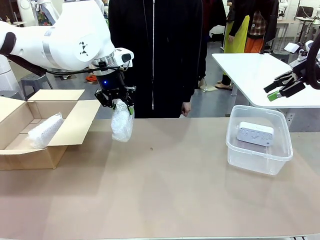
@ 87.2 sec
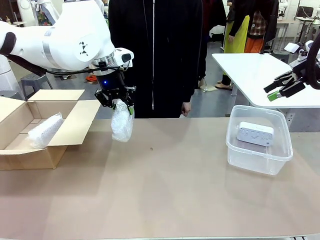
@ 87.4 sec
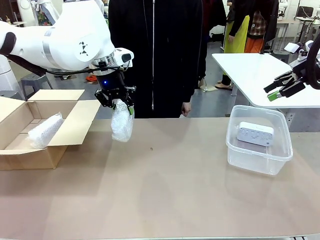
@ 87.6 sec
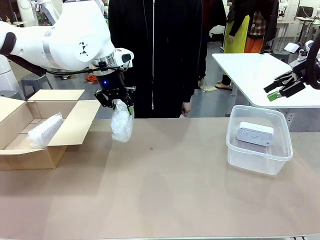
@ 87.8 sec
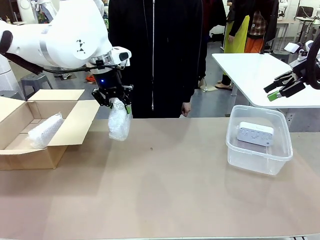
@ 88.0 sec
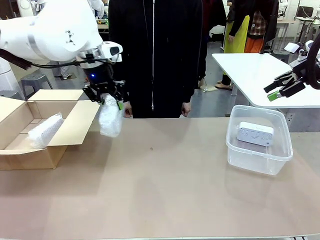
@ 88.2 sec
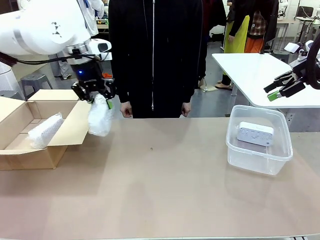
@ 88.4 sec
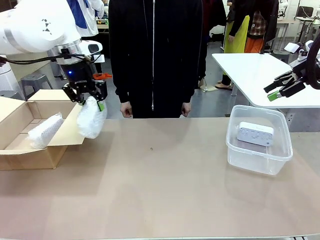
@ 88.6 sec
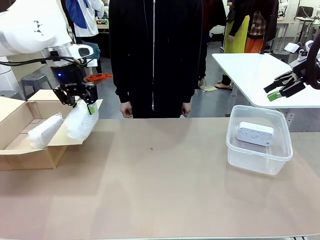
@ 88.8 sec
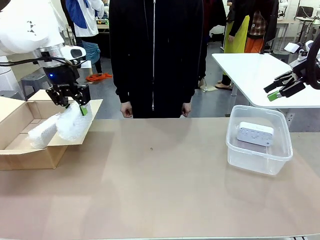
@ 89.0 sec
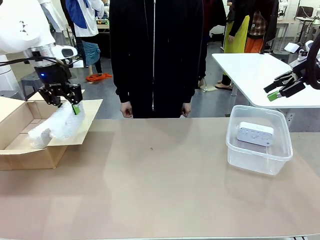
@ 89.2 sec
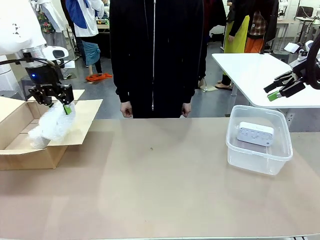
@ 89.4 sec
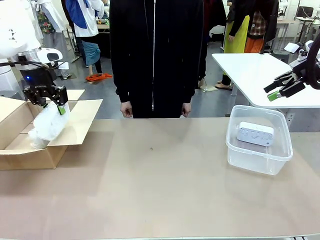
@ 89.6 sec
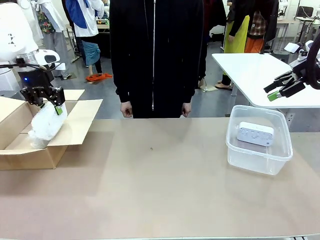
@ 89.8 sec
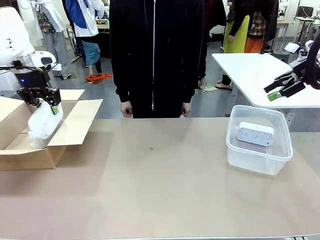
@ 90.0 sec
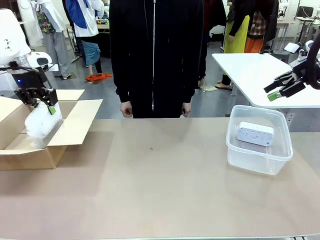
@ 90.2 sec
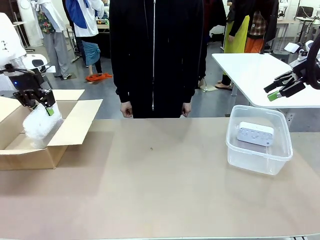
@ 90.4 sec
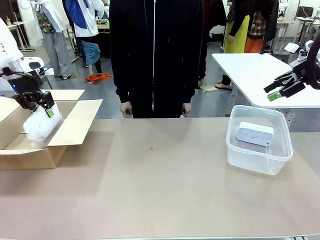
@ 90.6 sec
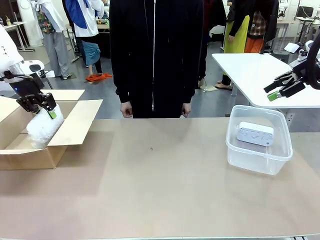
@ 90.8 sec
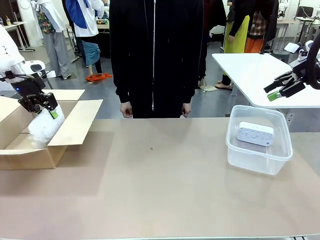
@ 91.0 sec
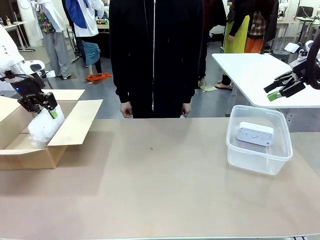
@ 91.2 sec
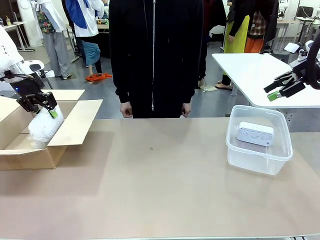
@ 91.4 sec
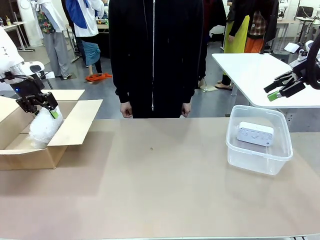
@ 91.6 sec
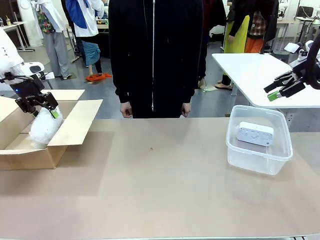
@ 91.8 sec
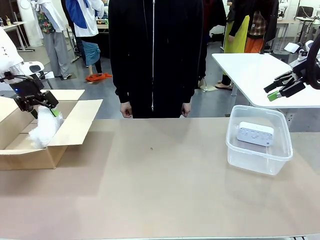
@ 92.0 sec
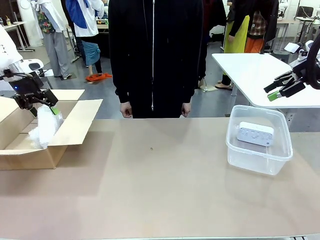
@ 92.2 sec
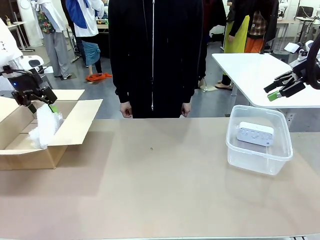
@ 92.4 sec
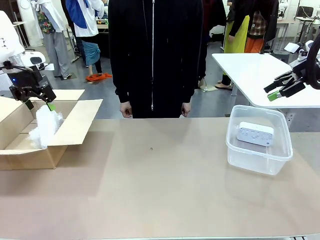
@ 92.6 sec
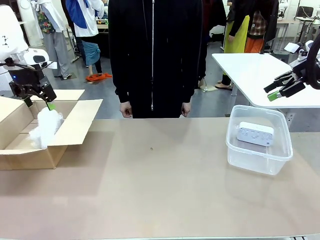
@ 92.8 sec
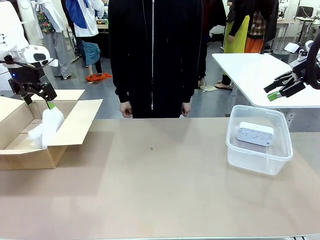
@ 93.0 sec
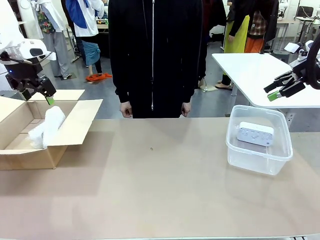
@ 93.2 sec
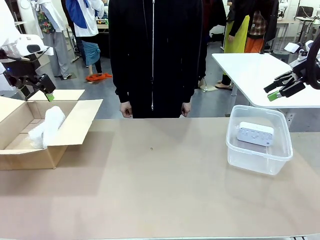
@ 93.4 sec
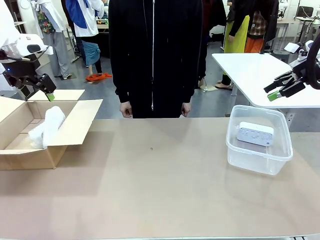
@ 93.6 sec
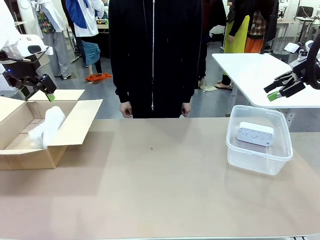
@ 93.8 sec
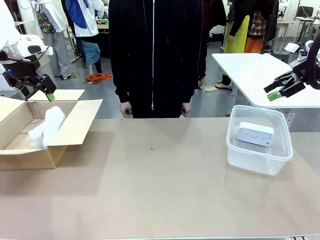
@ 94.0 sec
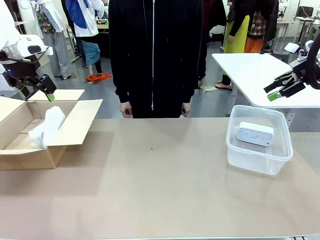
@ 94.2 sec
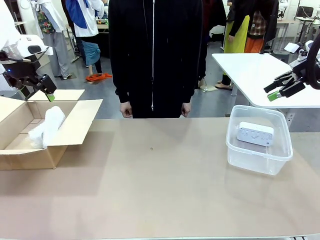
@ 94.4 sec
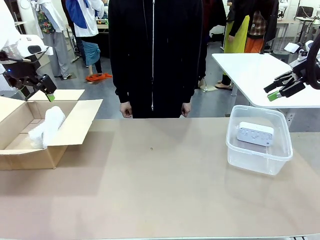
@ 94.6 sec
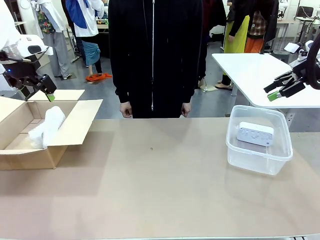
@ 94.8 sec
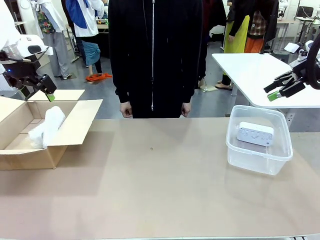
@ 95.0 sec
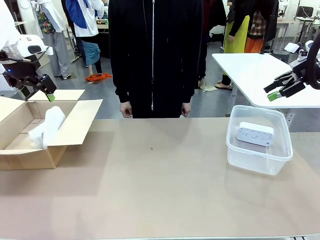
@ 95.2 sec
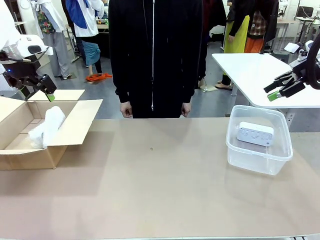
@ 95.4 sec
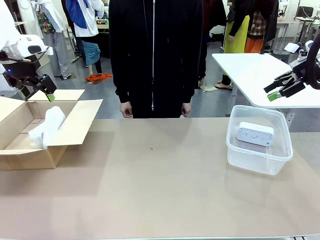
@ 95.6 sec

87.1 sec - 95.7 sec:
Task: Separate and place wrapped and unwrapped clocks.
Robot: If the picked Digital clock is wrapped, place it in the Package Box ; if not, place it in the Organizing box.

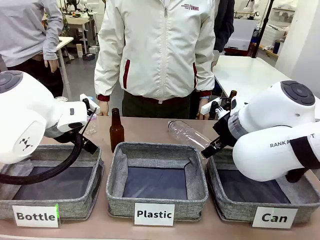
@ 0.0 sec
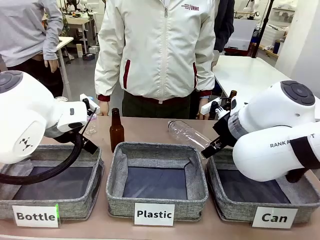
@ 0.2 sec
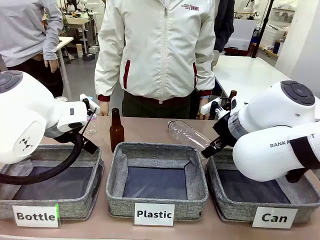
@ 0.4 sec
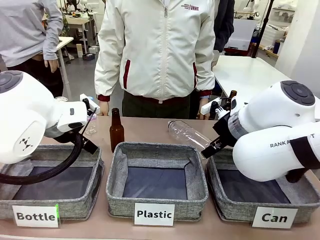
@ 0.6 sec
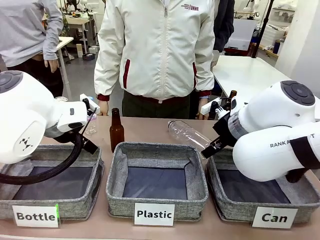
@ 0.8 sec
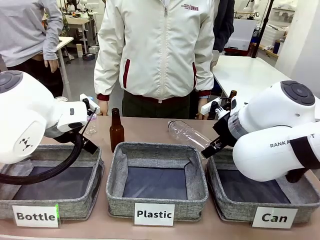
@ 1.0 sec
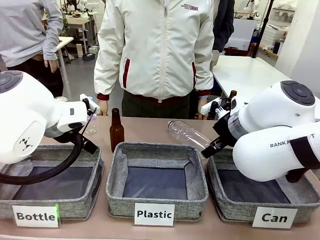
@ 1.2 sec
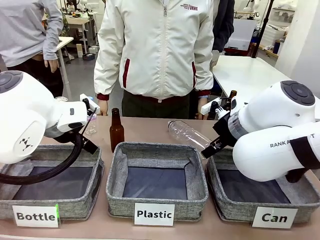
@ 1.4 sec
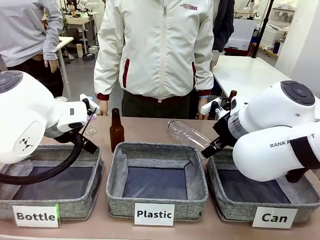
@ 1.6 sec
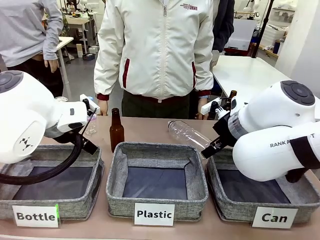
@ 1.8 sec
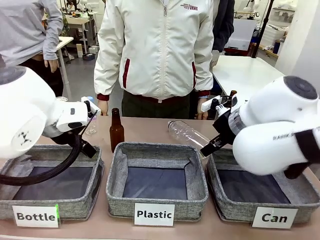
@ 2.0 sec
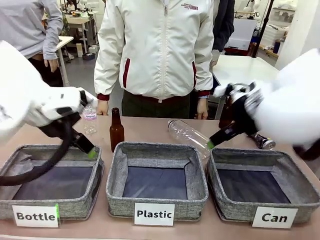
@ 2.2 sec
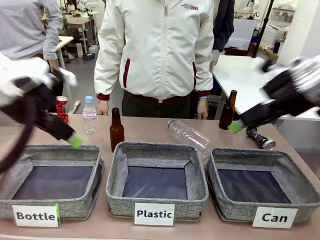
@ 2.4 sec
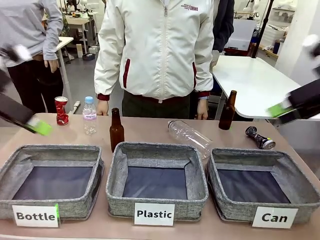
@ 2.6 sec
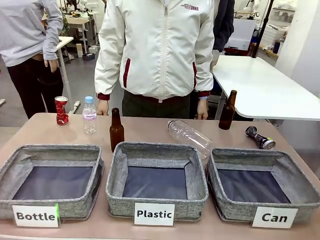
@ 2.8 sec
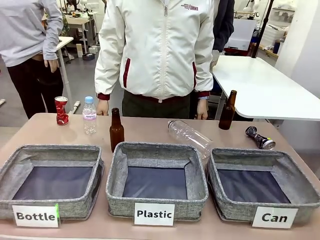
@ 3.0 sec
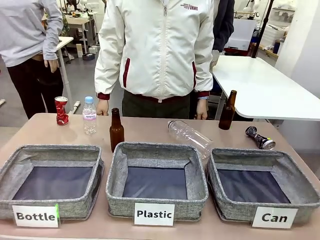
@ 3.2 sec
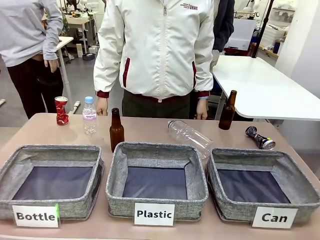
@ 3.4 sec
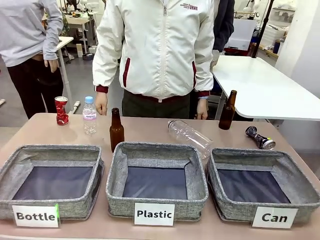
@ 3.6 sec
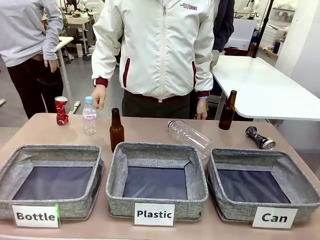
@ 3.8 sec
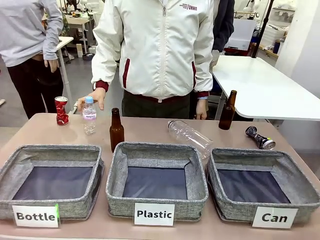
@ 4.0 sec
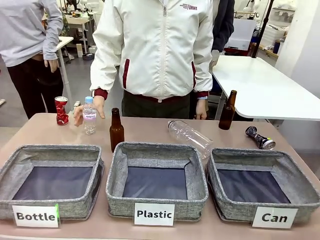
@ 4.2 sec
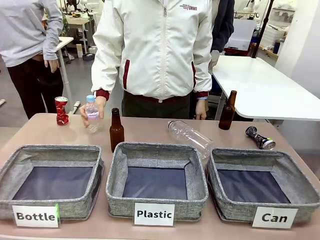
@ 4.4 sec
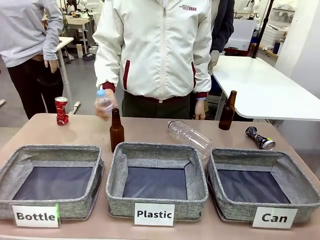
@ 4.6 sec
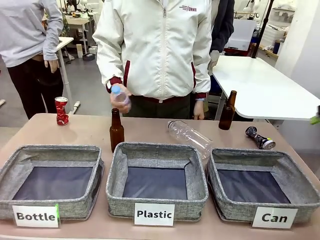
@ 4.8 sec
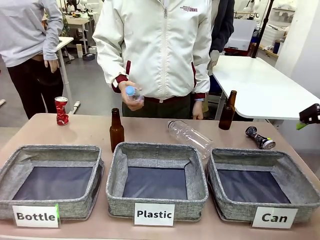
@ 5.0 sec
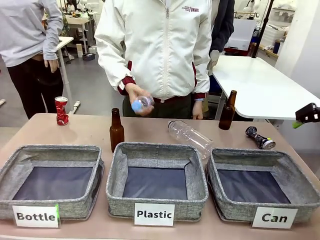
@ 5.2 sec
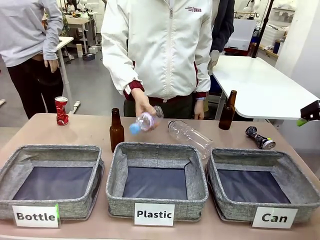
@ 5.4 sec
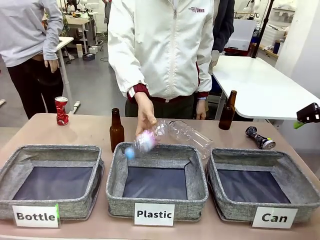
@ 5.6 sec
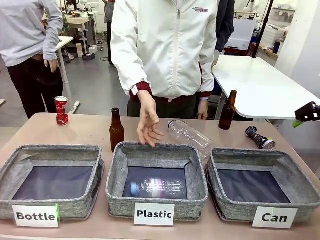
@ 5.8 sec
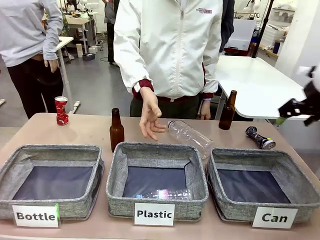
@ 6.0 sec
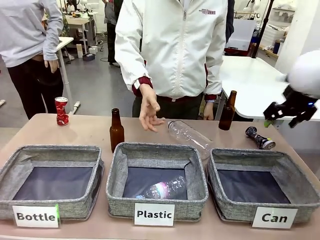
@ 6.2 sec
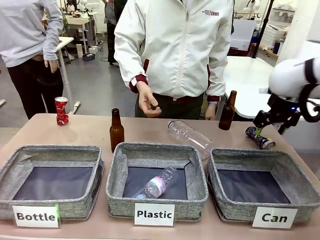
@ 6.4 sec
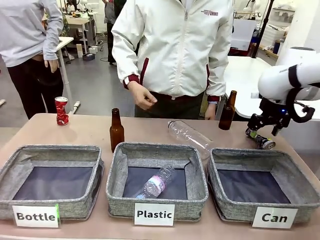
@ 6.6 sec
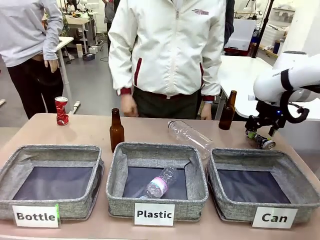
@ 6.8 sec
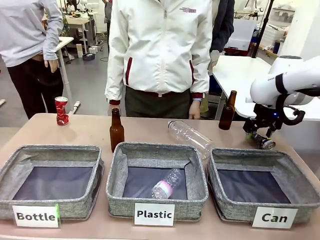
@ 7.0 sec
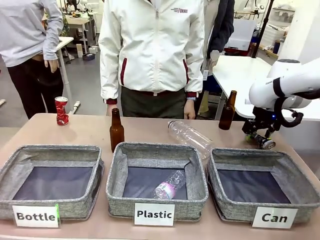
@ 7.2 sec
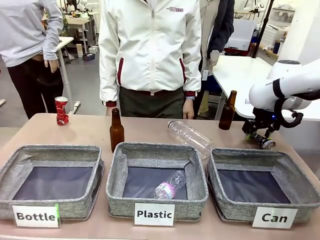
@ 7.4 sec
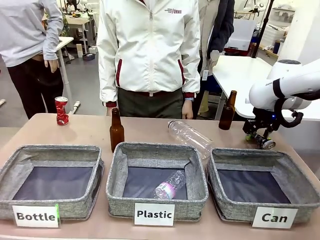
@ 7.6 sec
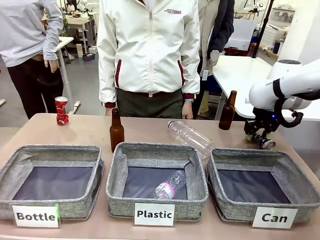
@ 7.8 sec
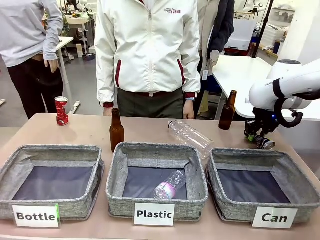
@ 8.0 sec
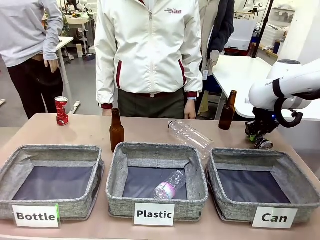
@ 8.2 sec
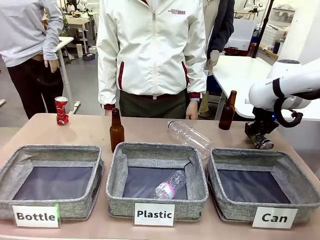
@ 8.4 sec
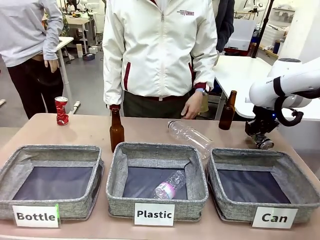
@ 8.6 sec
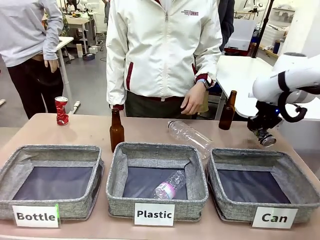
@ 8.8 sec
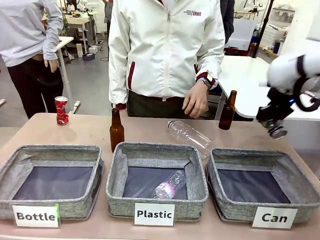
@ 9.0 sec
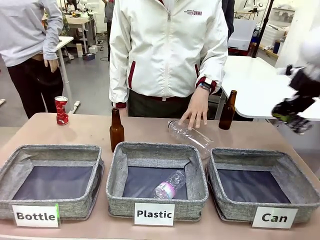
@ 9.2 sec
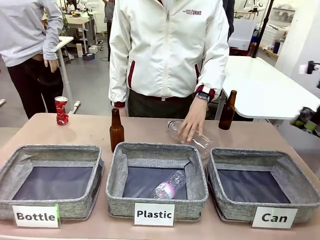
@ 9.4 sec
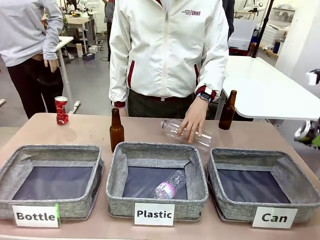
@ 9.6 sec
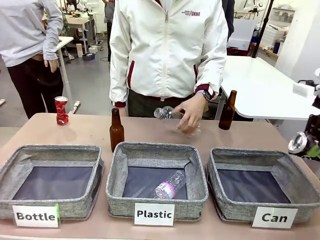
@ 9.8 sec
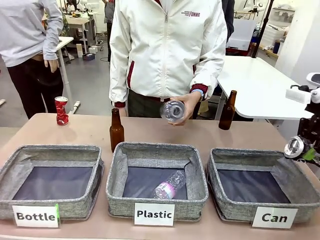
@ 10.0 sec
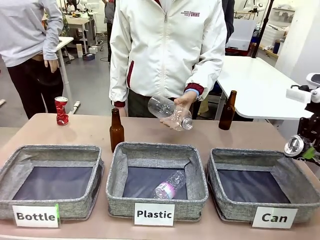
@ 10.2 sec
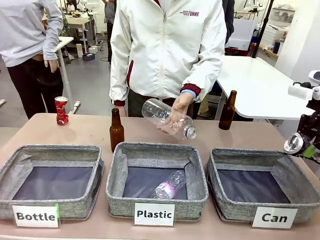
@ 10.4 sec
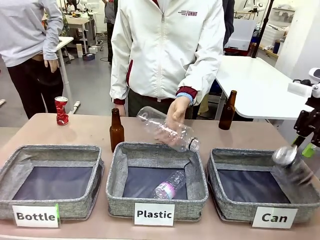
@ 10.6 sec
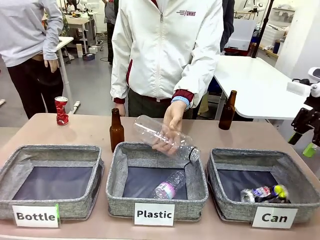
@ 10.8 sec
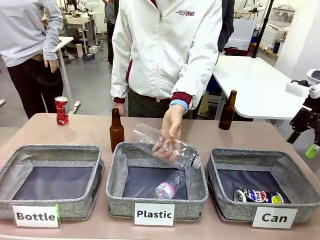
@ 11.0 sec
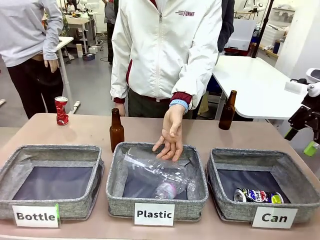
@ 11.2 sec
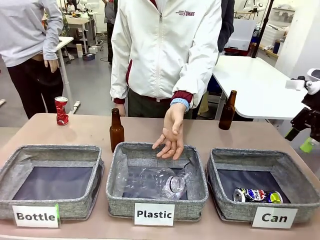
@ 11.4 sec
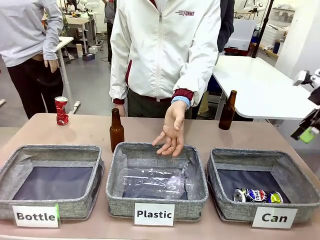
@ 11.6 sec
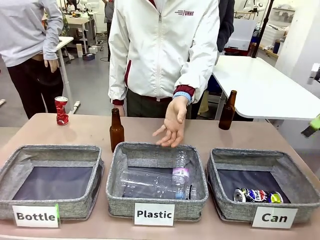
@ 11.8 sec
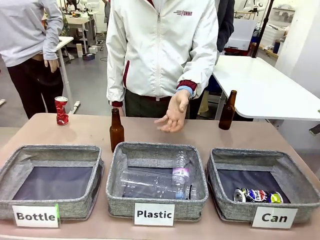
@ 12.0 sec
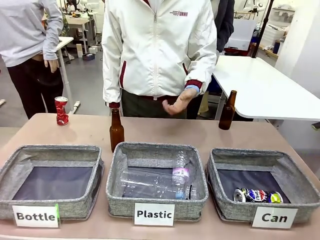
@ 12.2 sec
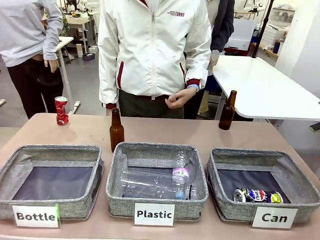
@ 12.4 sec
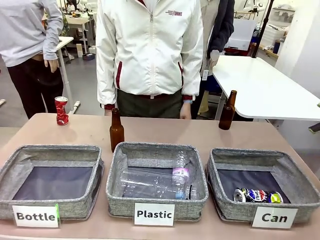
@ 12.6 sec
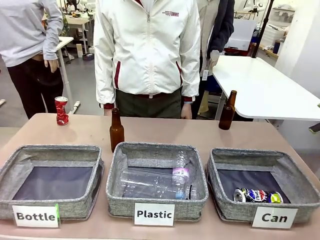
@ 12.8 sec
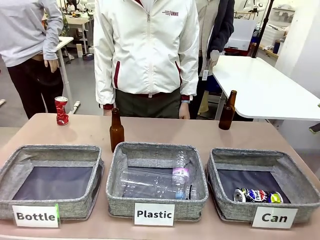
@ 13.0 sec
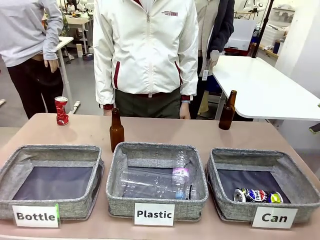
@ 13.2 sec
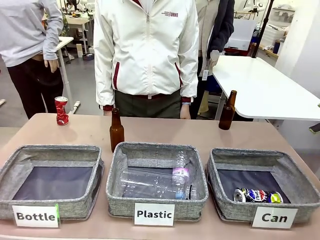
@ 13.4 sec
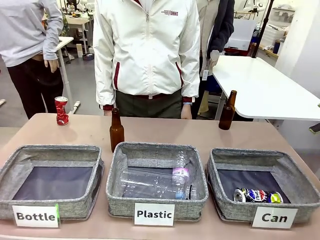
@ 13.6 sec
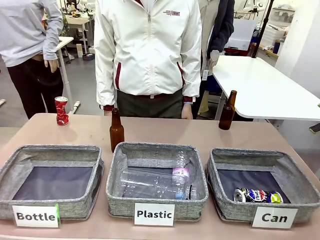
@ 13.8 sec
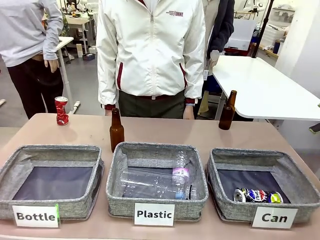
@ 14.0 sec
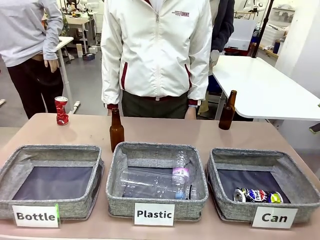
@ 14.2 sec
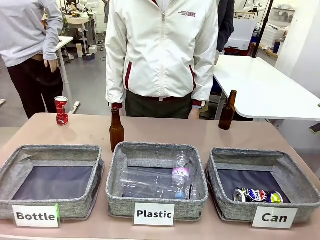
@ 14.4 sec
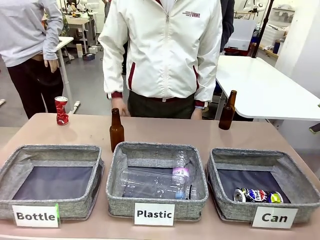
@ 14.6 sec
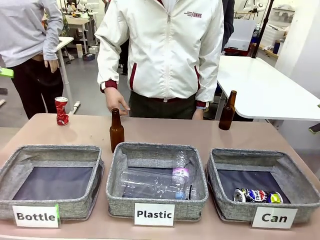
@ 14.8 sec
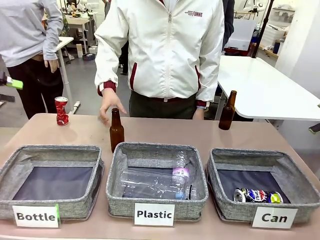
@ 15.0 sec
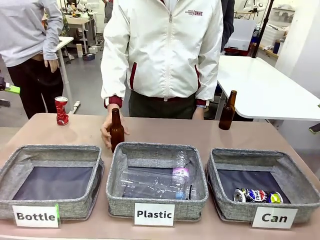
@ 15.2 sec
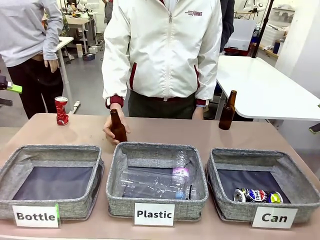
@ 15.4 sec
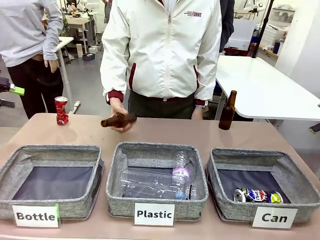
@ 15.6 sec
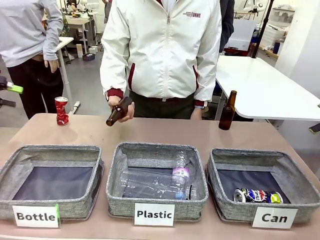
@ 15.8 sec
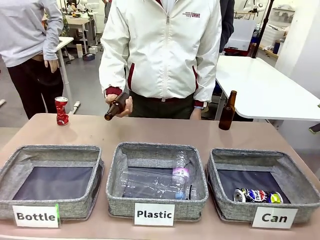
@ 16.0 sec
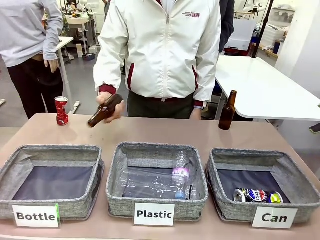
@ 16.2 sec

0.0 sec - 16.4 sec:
Task: Sort the can waste into the basket.
Robot: Pick up the can waste from the table and place it in the right Fabric basket.
